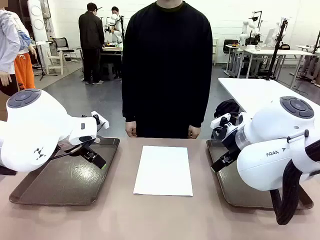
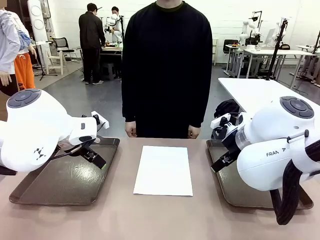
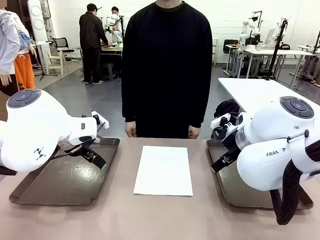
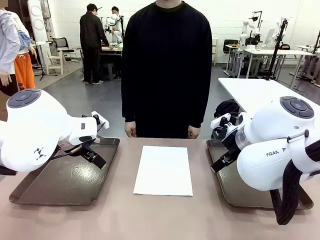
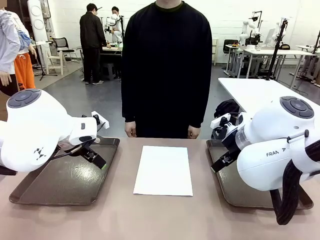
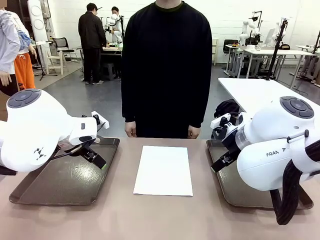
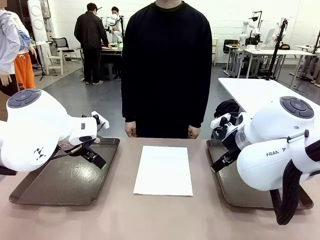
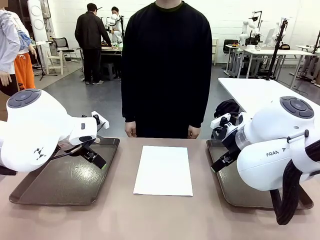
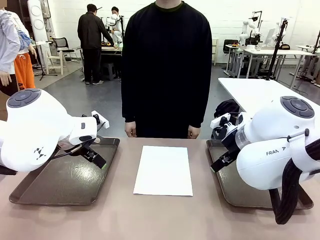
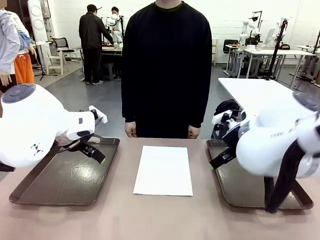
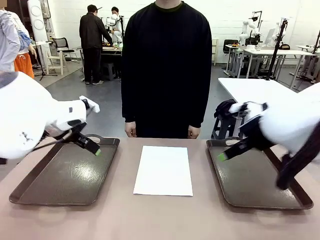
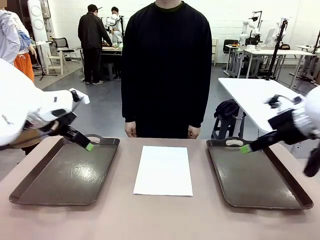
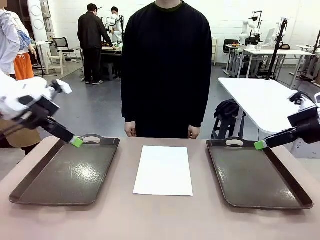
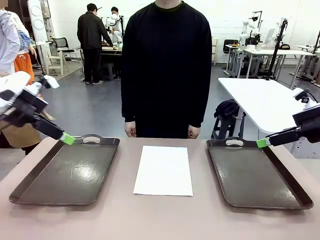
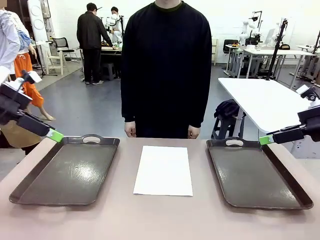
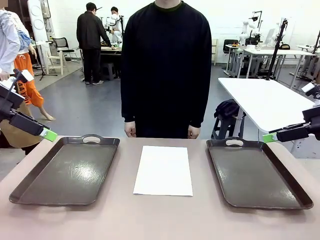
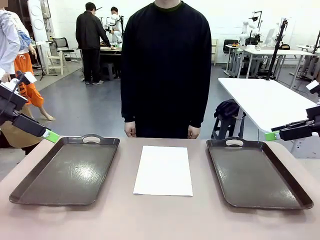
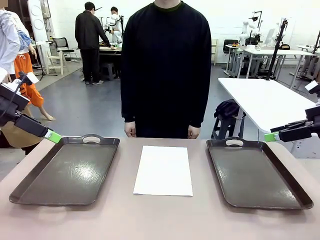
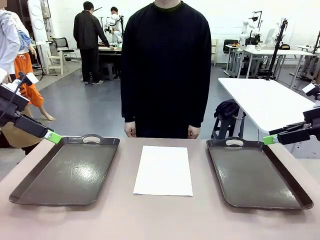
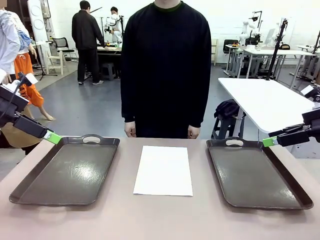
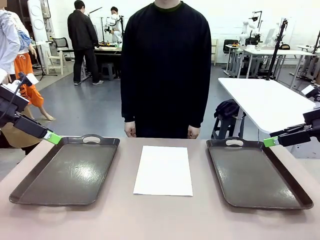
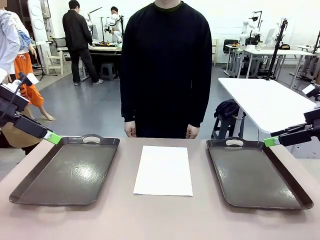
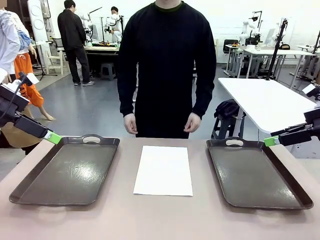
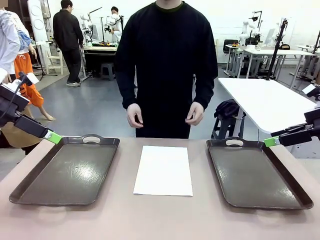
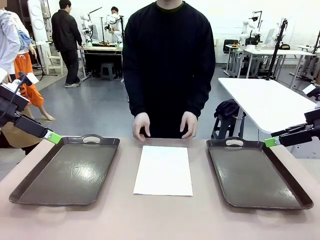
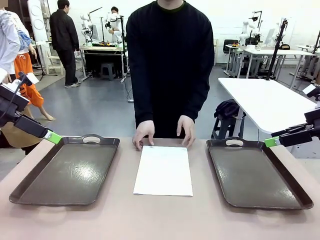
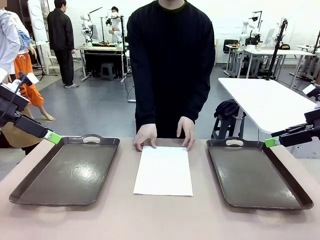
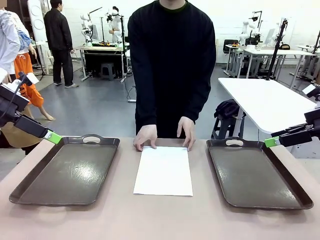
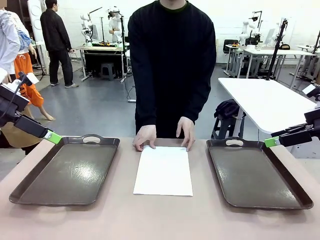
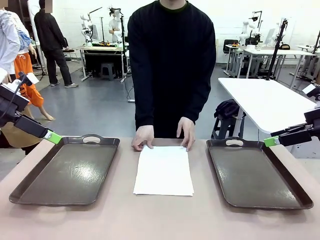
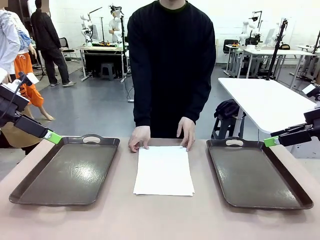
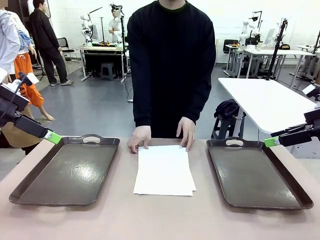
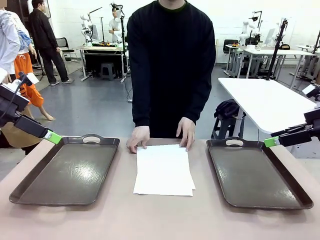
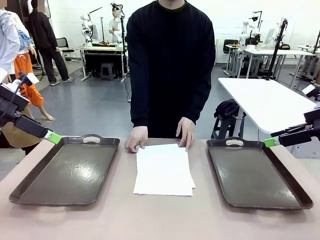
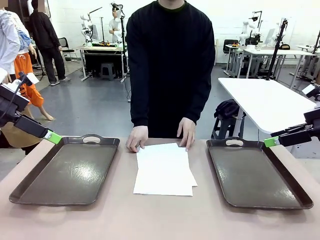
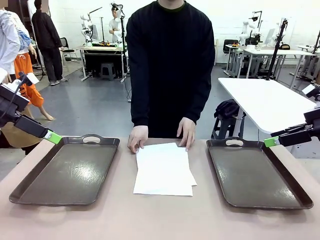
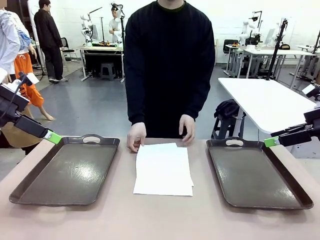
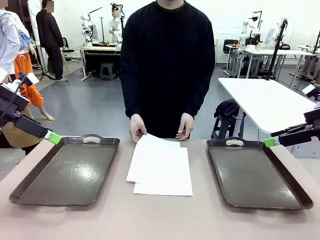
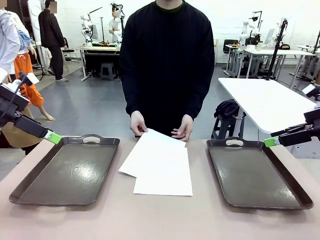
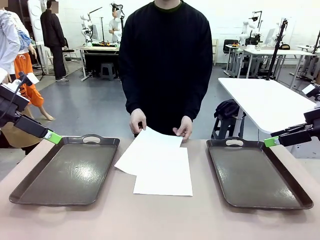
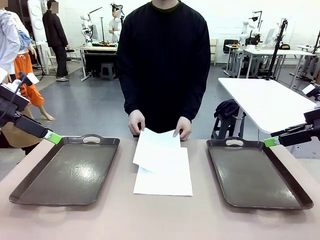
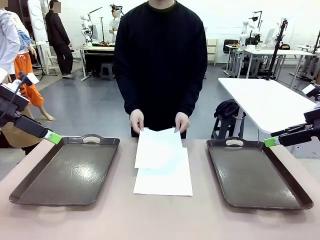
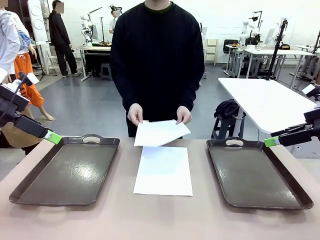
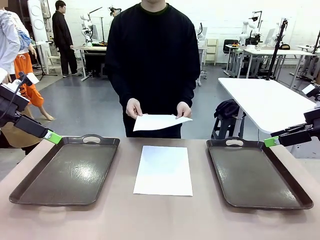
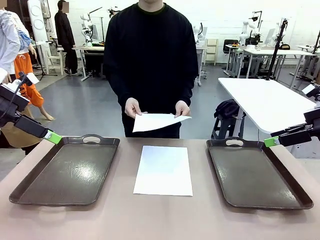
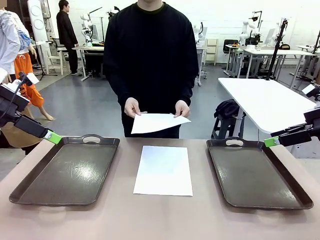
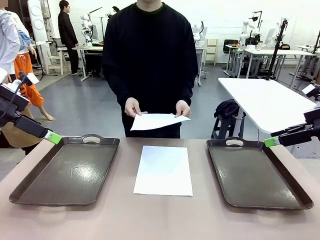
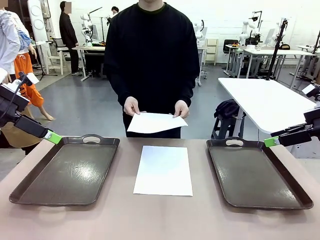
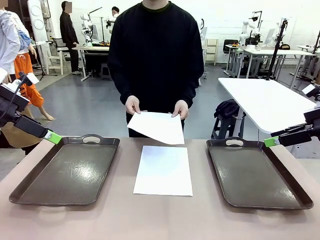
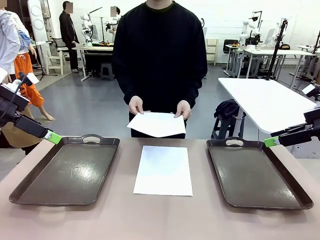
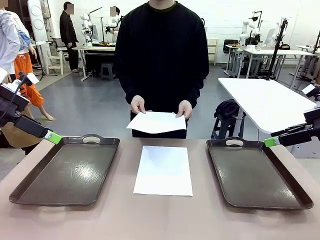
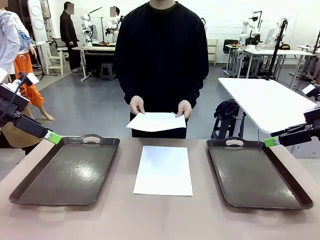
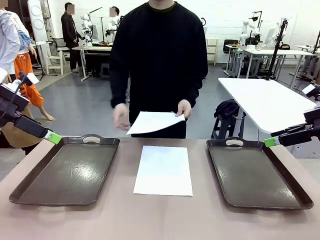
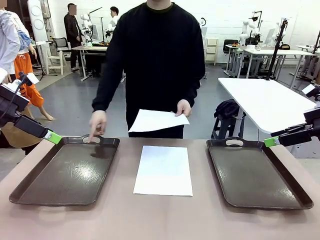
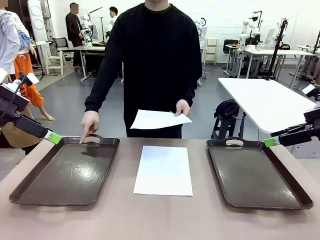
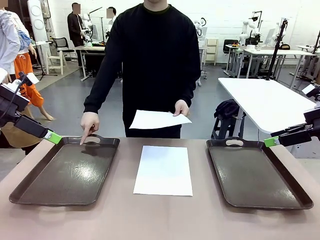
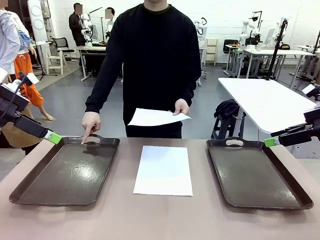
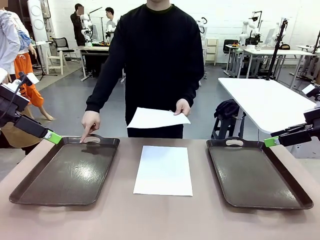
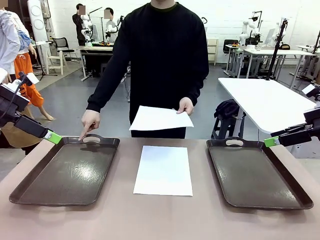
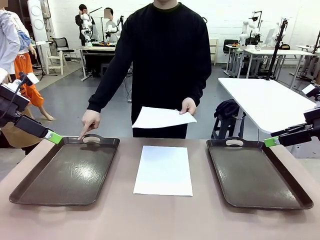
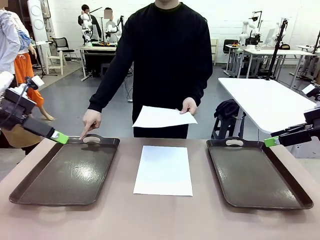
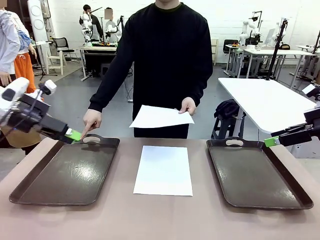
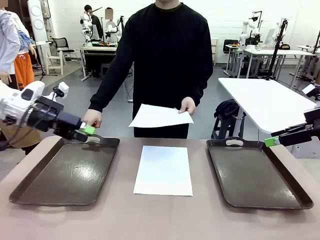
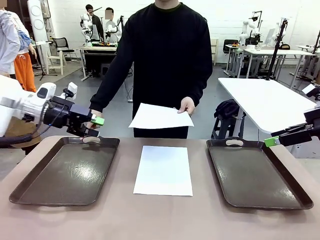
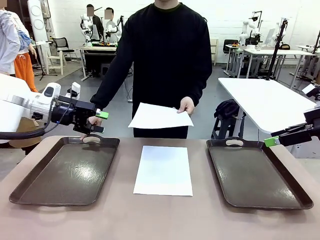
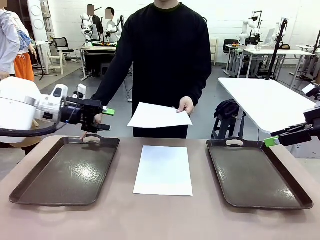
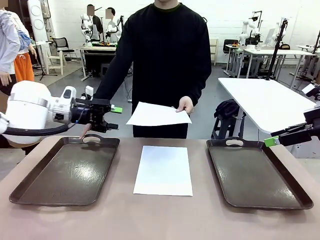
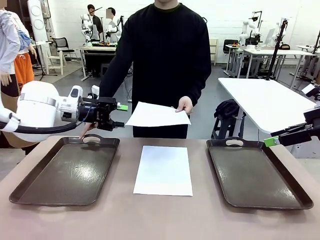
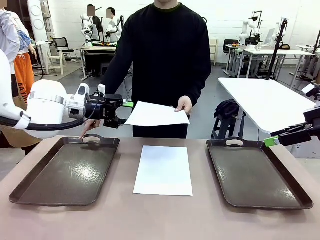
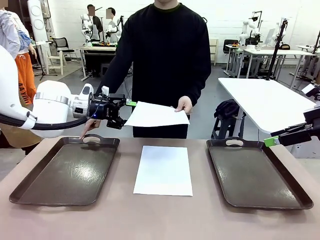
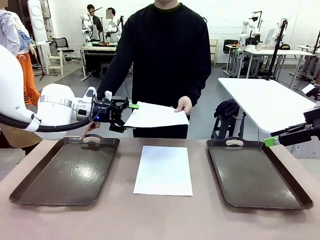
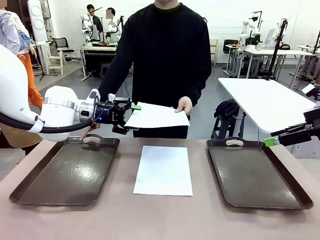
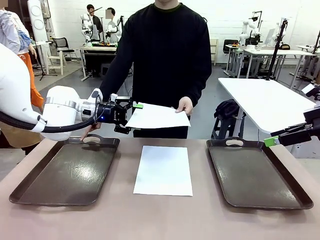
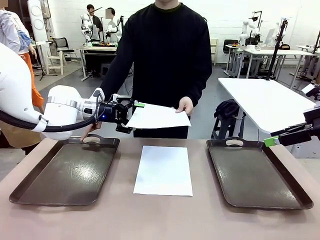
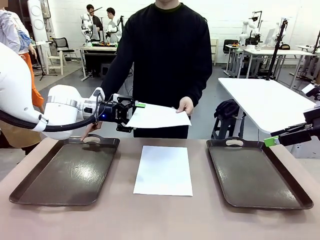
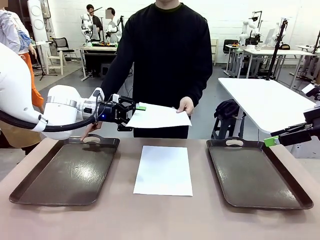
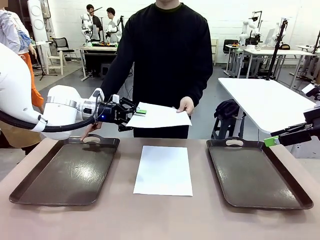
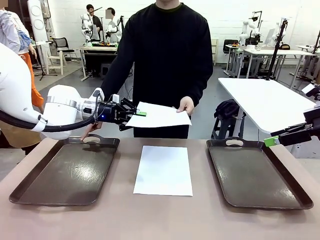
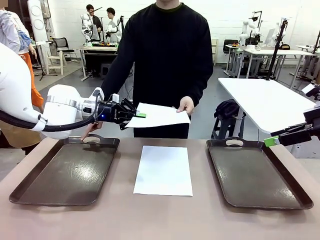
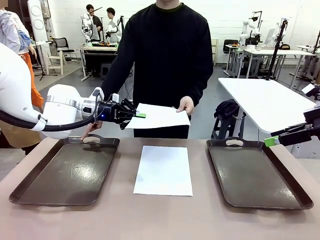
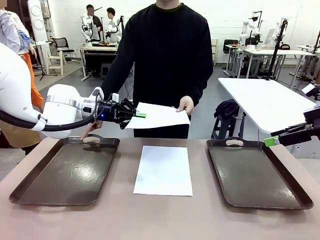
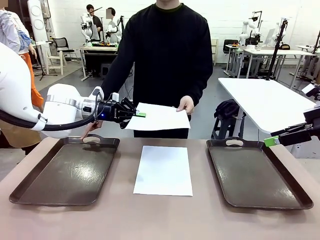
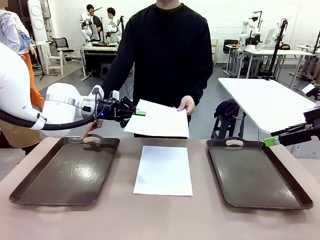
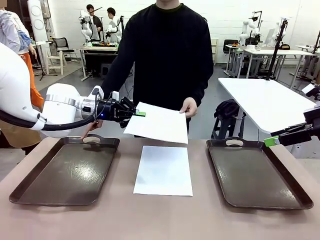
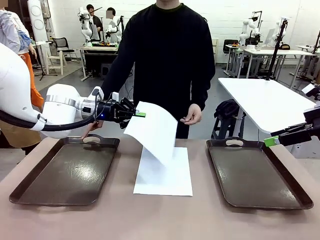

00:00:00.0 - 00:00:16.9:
Task: Sort the A4 documents.
Robot: Receive the A4 Paper.
Person: Pick up a sheet of paper from the center of the table and hand it to the robot. Point the randomly selected tray with the other hand.

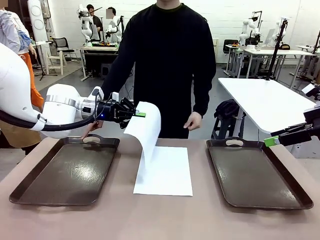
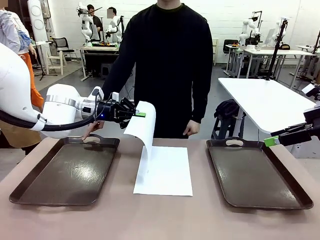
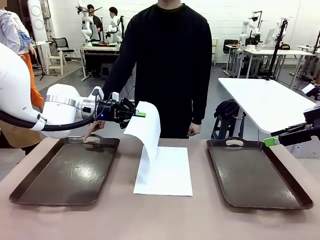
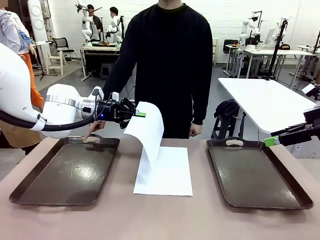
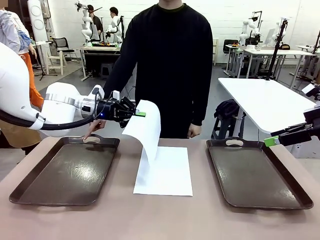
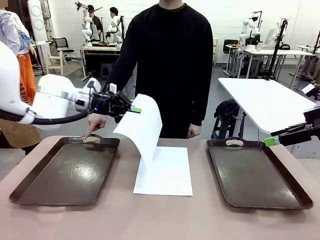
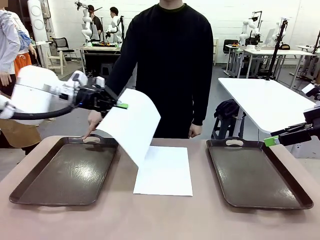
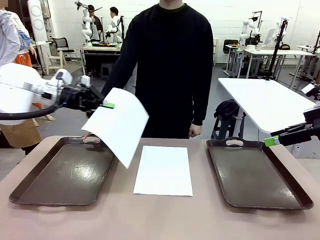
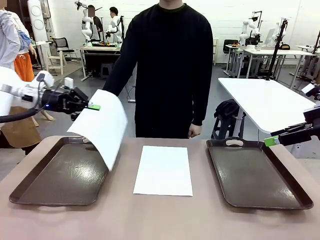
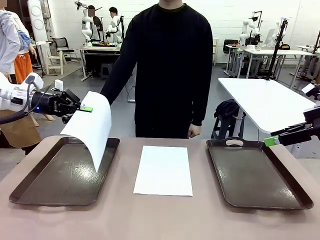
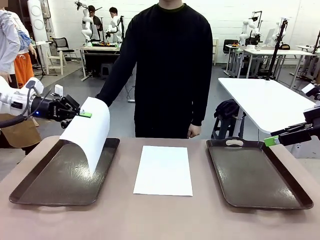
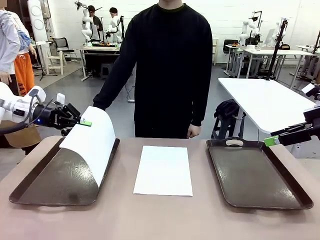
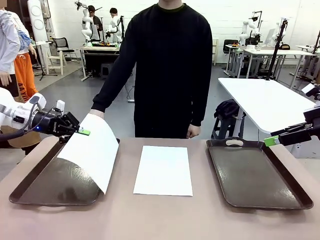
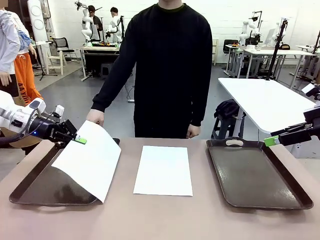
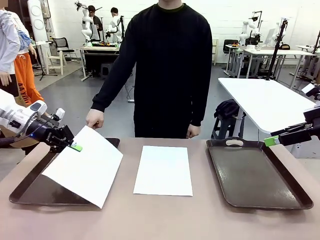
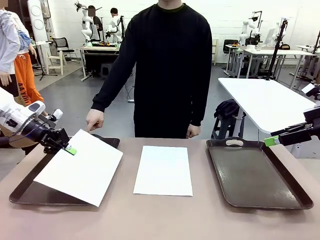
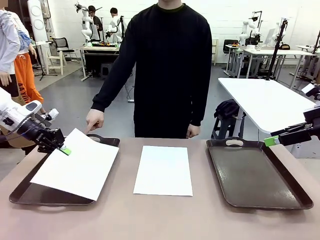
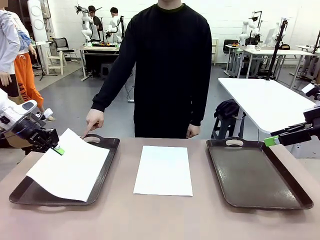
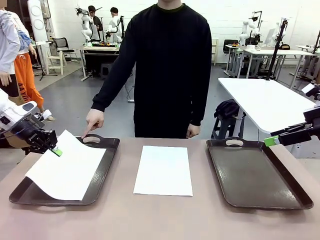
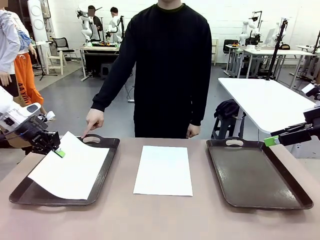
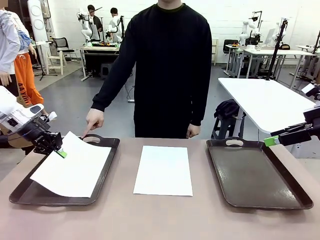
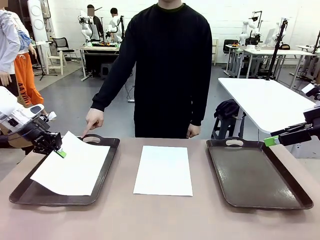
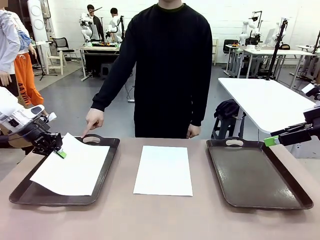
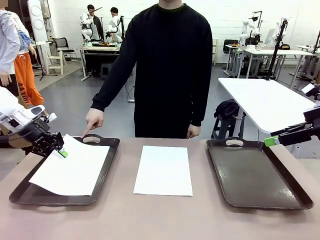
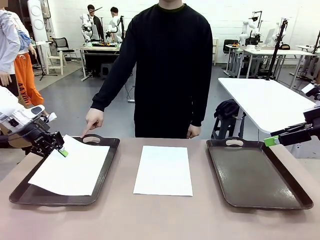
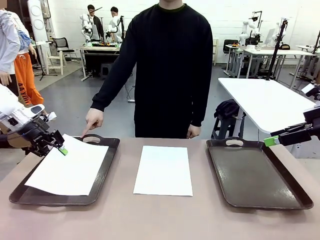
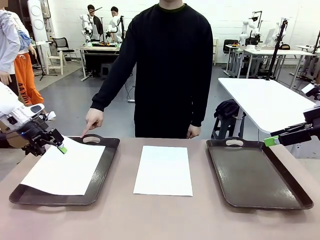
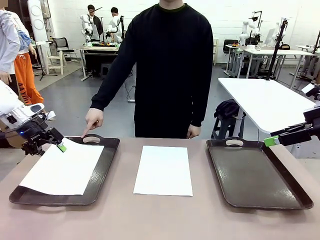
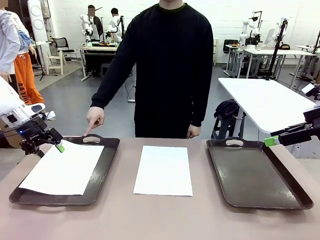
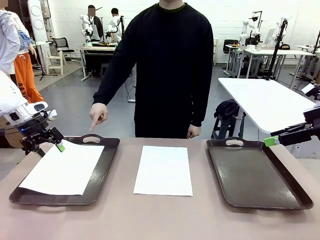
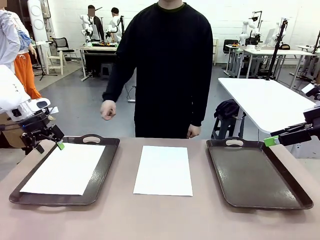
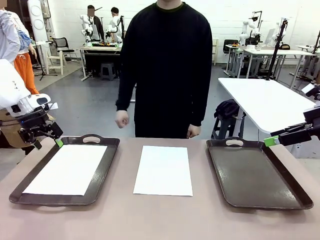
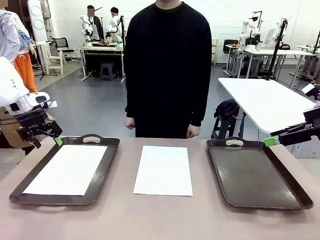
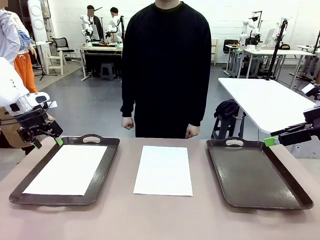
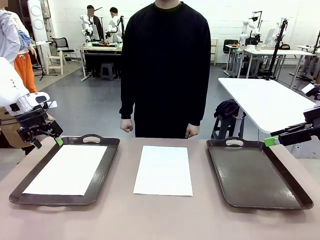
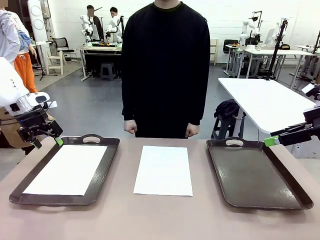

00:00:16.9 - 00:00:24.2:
Robot: Place the A4 Paper in the designated Handle tray.
